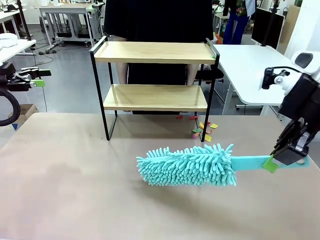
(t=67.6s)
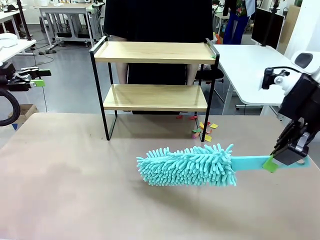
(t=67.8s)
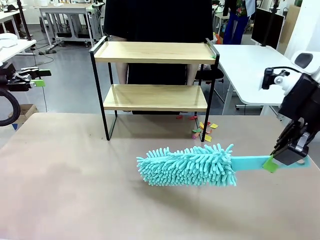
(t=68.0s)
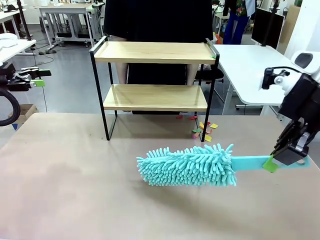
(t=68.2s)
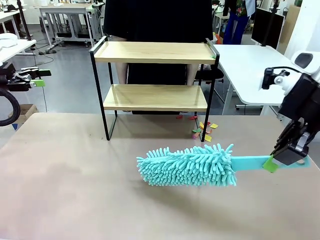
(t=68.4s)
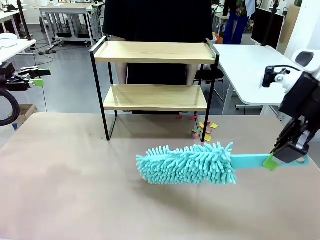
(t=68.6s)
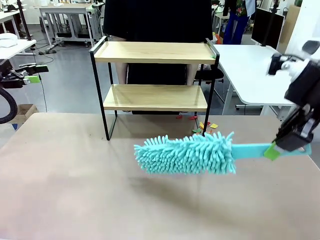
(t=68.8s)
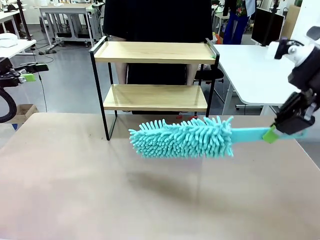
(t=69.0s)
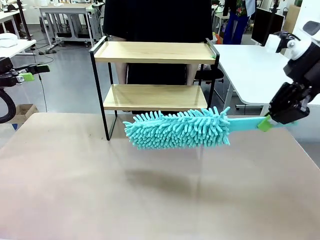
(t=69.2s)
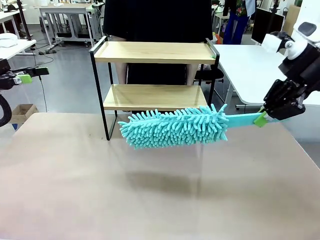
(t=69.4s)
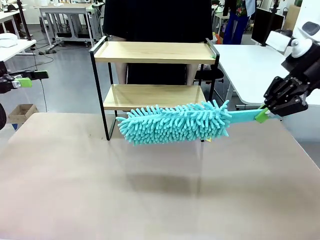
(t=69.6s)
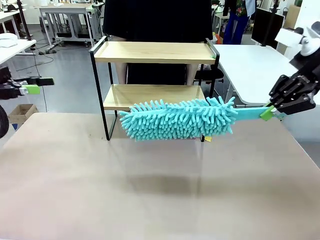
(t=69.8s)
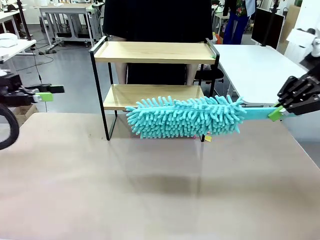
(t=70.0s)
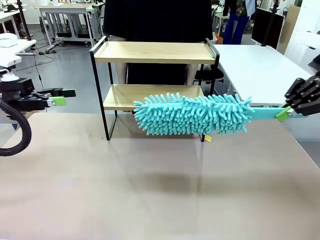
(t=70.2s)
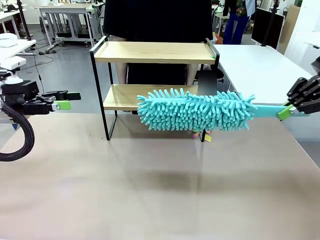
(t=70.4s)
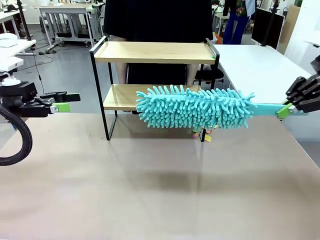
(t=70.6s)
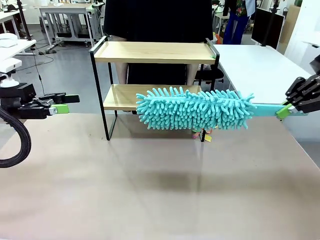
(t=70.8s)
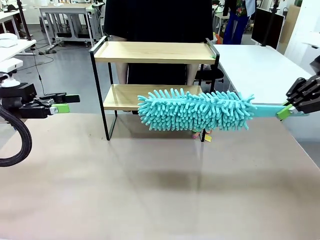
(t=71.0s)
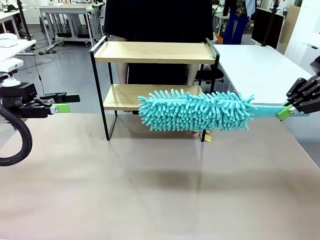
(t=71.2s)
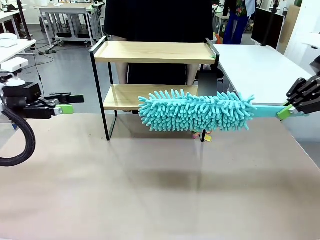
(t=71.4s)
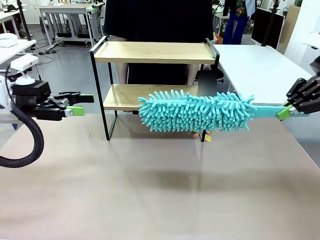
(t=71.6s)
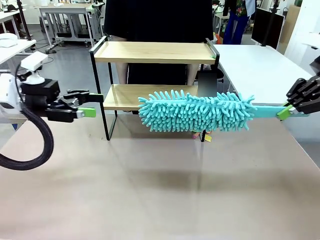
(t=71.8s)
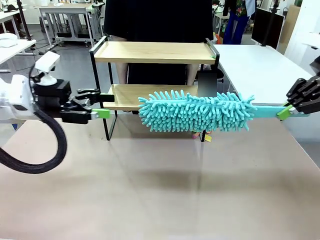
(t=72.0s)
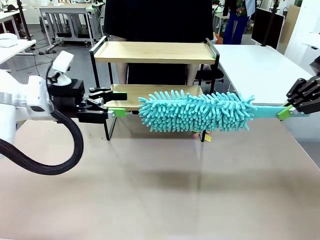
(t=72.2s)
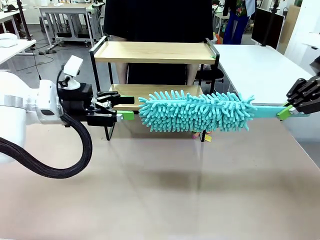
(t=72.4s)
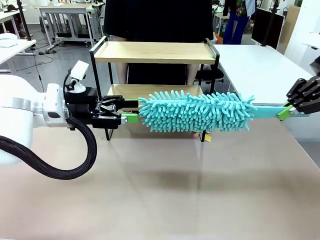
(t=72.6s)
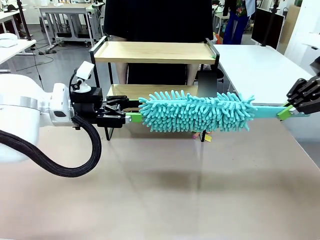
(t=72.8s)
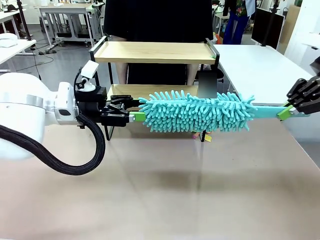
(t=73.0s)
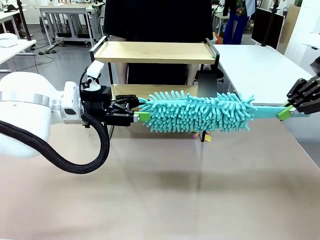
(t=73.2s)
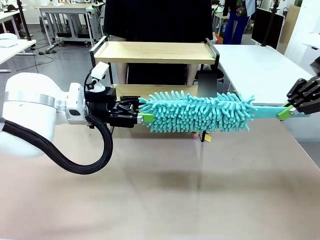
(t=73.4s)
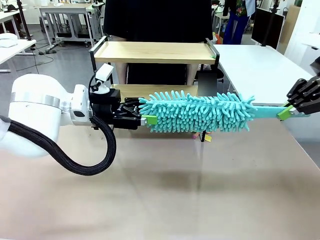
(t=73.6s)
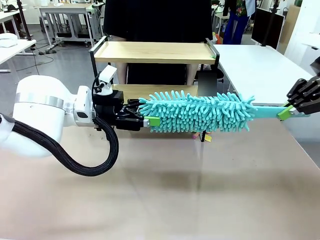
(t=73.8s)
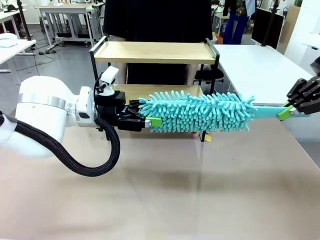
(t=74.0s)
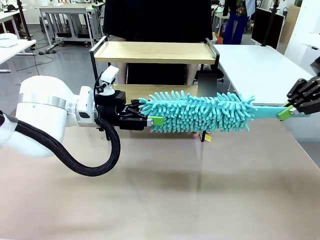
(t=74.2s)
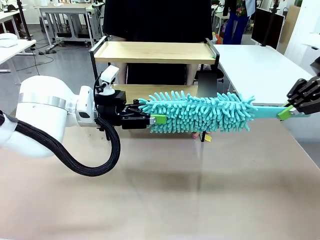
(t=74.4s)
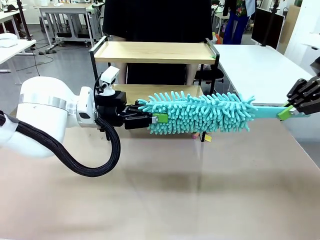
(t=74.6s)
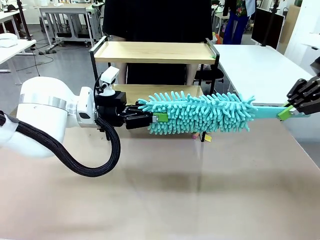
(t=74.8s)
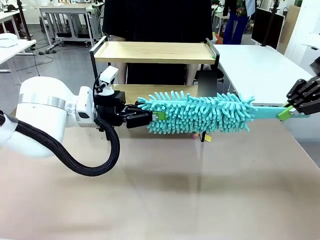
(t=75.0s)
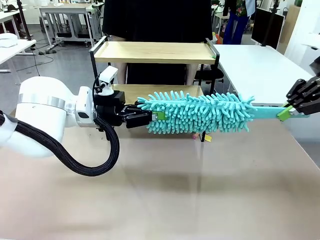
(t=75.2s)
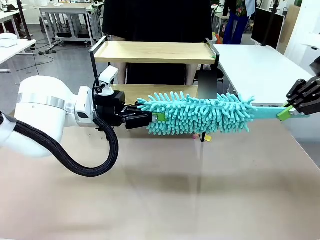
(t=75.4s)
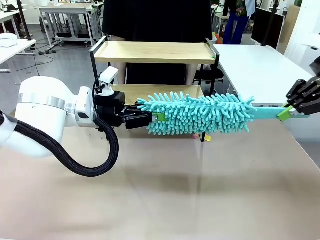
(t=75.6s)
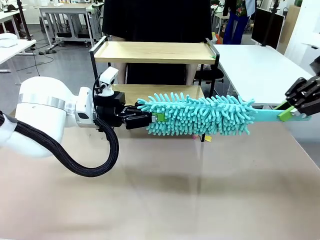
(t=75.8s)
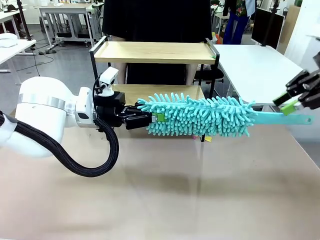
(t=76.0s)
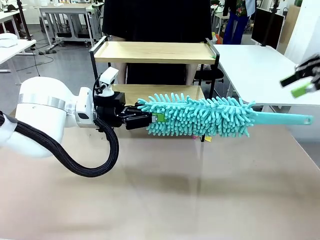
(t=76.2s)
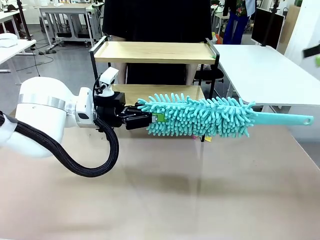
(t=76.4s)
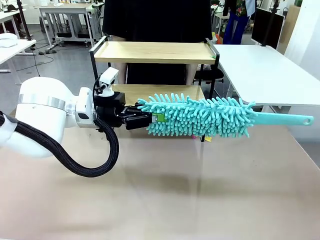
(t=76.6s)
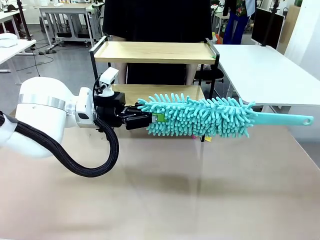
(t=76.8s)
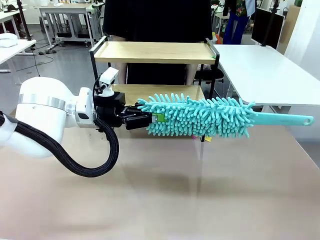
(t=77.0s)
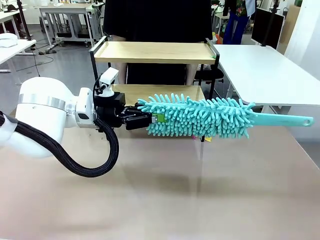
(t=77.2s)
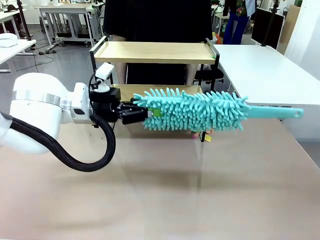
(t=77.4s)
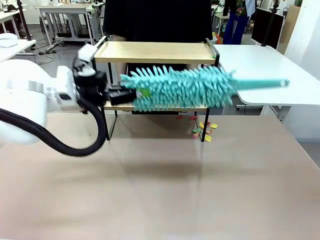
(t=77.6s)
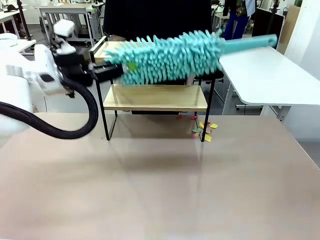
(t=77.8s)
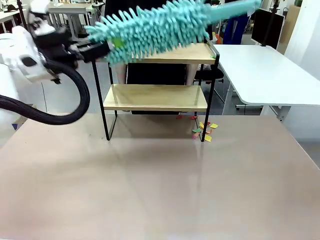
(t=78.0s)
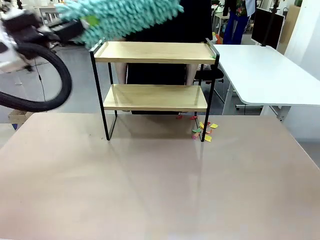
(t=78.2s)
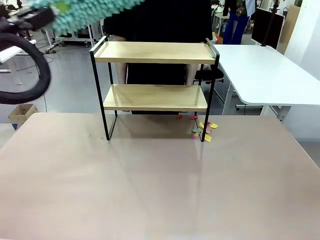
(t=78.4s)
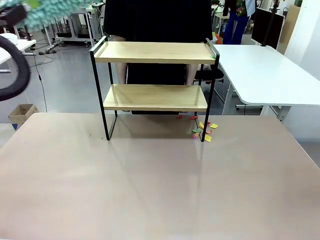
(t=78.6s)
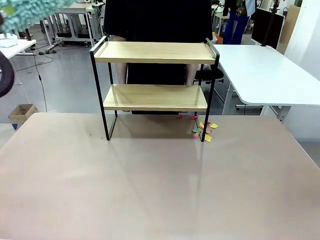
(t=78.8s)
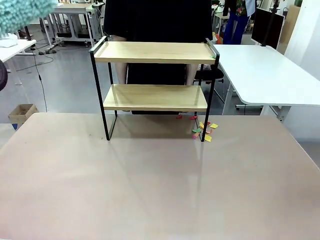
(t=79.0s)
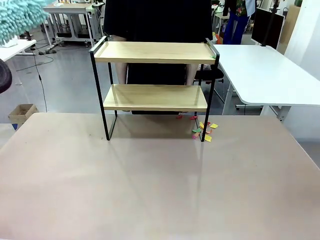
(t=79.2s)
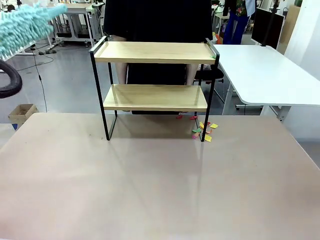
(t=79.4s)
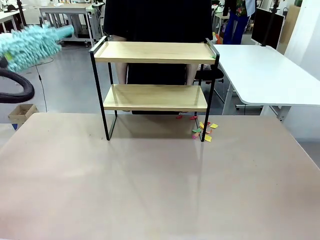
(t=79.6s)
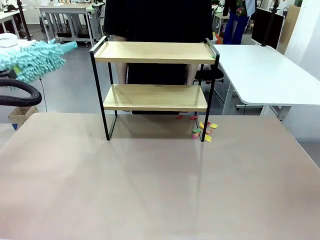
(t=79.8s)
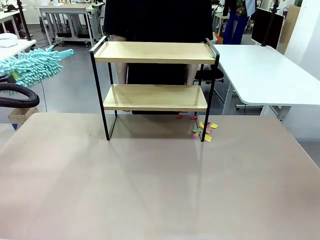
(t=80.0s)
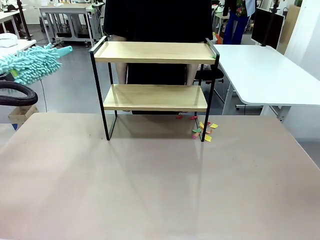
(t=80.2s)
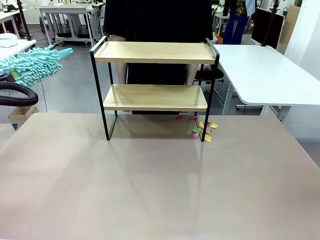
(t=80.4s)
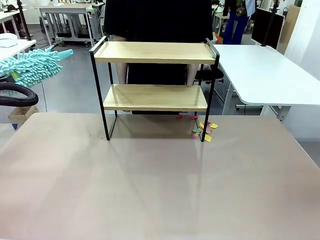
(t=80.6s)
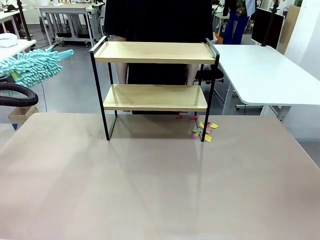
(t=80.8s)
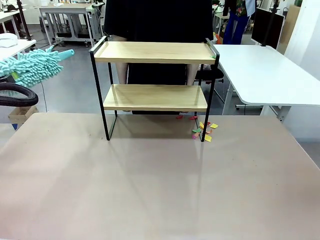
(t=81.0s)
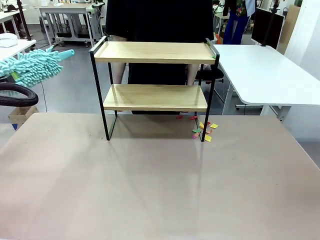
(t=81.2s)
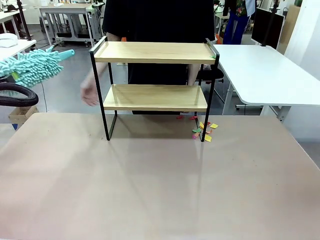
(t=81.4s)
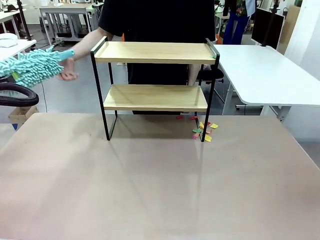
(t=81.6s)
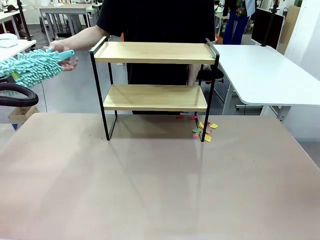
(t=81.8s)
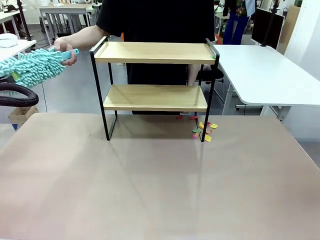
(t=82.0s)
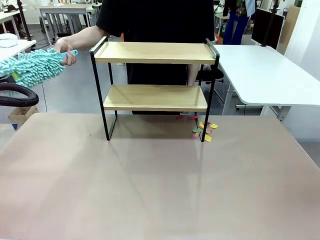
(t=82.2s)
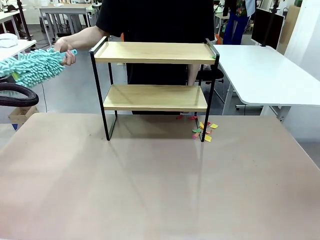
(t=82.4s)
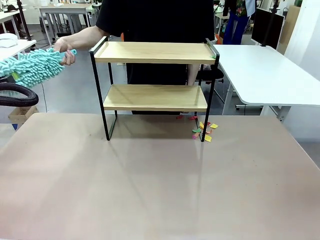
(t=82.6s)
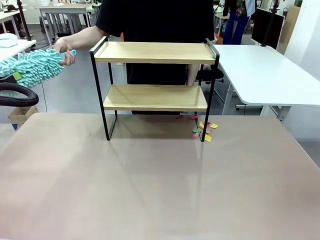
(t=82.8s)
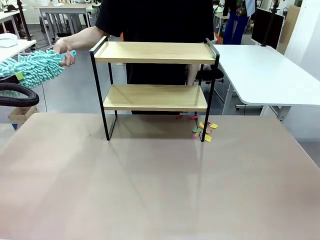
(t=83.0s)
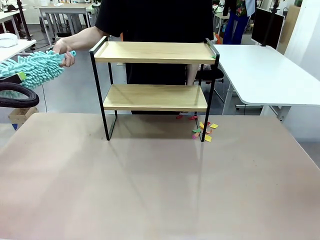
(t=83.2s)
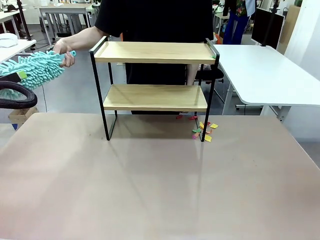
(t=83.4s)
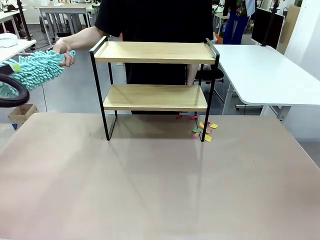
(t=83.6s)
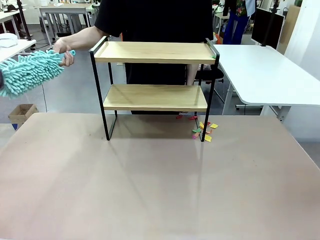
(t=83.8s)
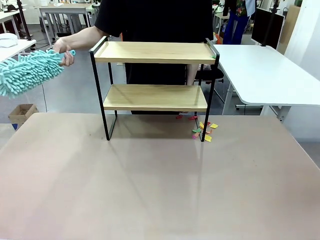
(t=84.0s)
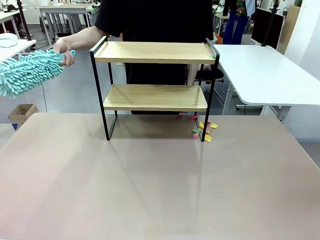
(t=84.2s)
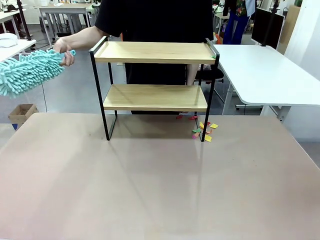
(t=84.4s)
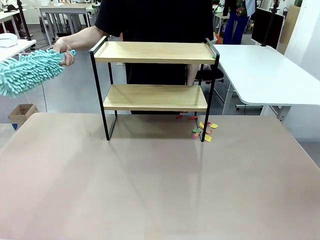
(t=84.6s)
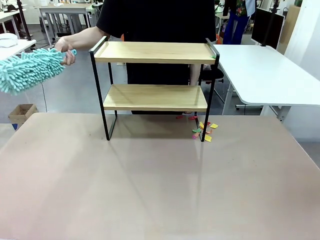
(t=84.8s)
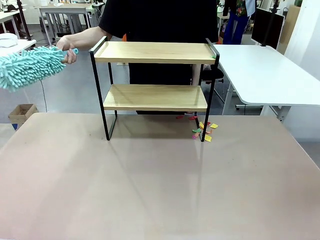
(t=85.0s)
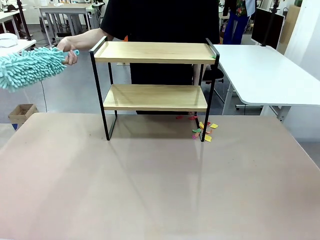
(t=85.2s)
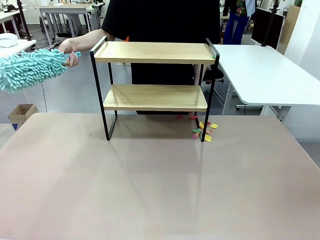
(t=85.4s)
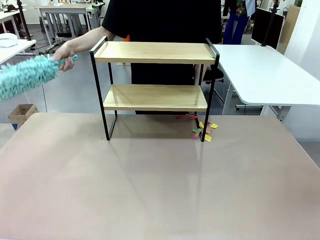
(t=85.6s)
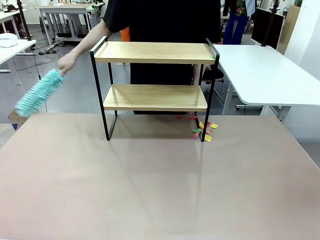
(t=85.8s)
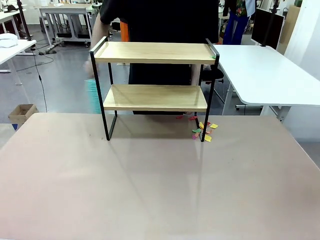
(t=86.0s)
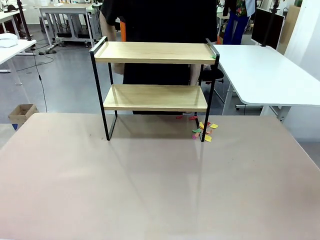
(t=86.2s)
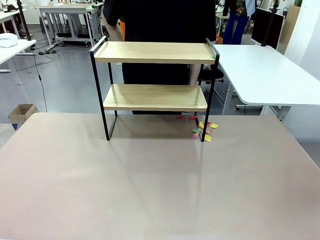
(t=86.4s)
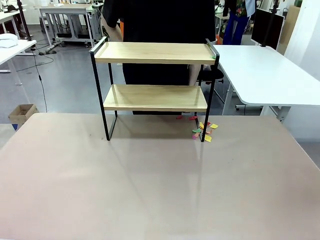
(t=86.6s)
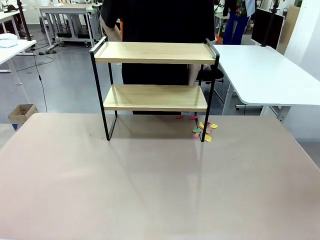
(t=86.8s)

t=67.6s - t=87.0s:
Task: Clean the shelf.
Robot: Hand the Duster back to the human.
Person: Receive the Duster from the robot.

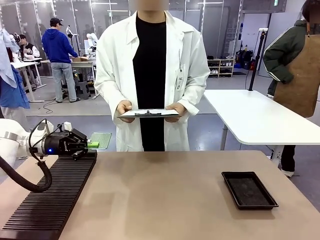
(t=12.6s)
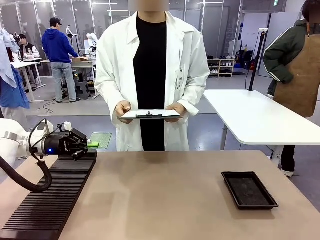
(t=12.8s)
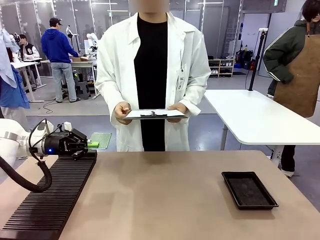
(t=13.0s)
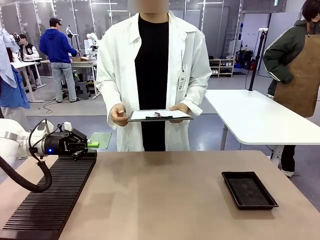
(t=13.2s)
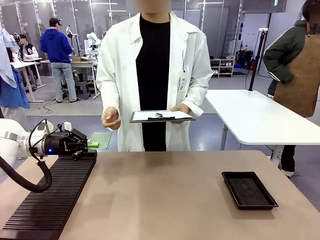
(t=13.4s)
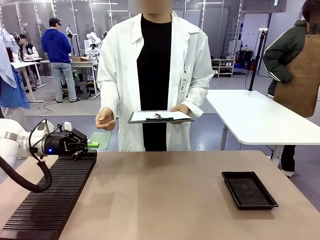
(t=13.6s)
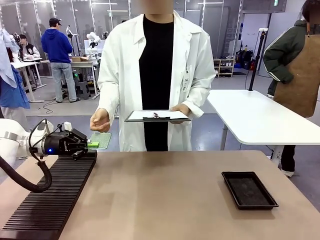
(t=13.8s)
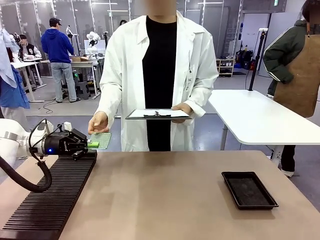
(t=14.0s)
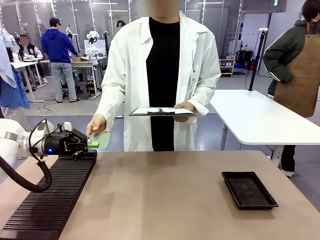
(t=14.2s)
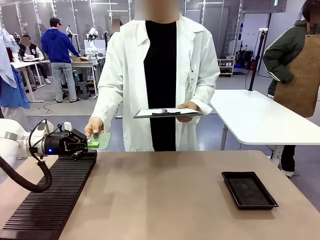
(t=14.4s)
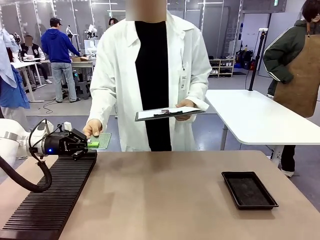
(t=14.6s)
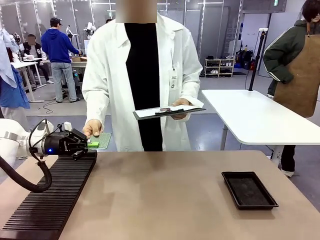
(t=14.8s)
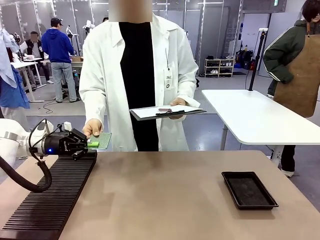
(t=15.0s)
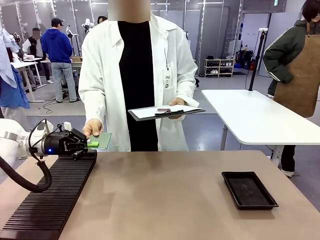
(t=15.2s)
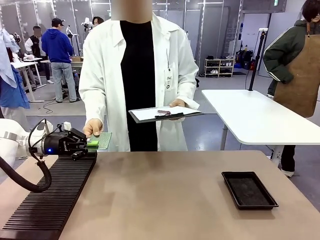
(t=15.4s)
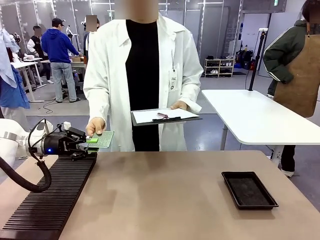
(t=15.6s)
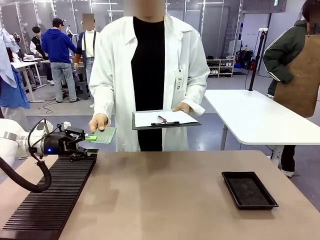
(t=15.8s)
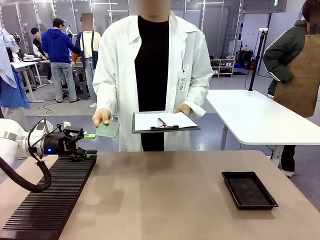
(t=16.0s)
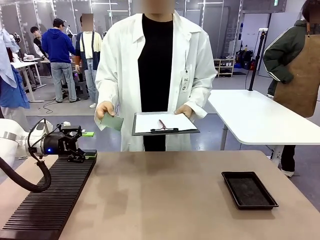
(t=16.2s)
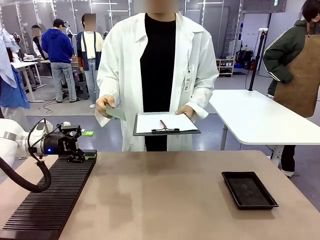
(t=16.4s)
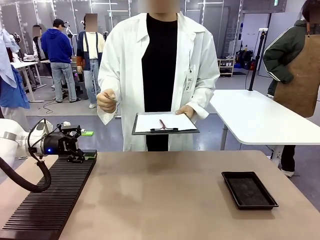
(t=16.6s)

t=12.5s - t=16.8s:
Task: Inspect the PCB.
Robot: Release the Blank PCB you were holding.
